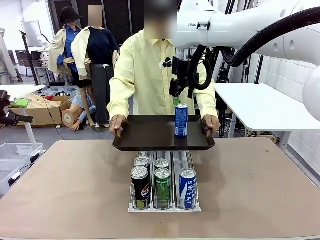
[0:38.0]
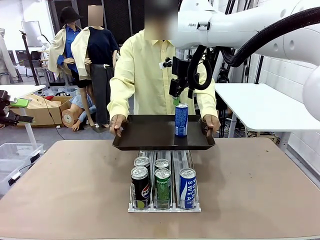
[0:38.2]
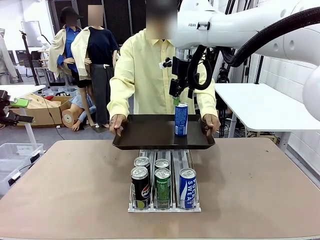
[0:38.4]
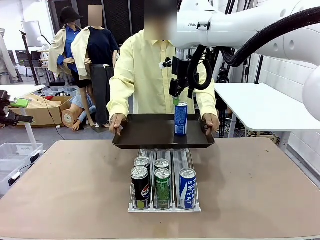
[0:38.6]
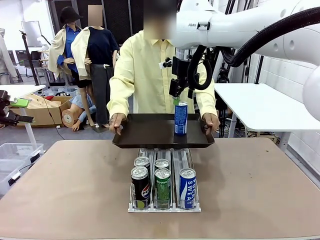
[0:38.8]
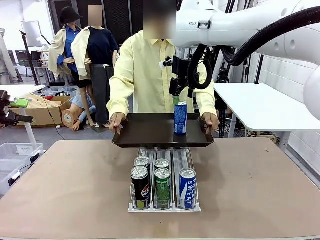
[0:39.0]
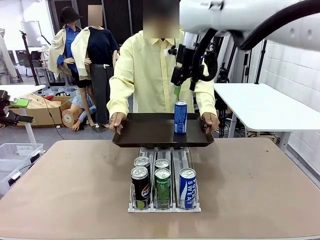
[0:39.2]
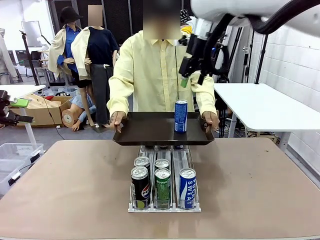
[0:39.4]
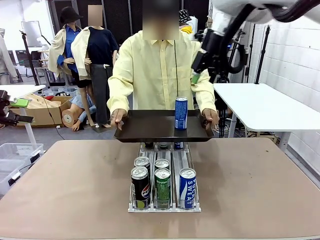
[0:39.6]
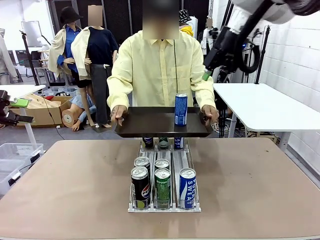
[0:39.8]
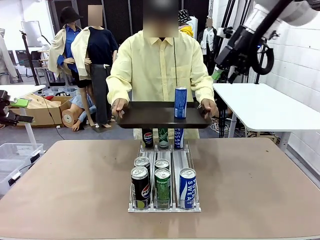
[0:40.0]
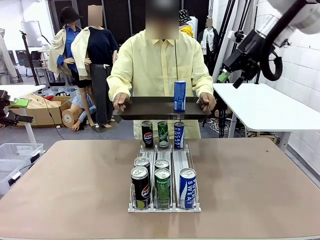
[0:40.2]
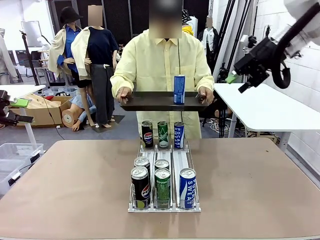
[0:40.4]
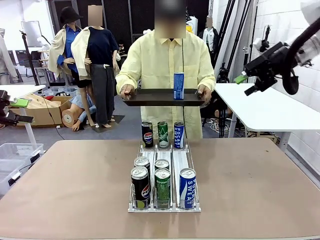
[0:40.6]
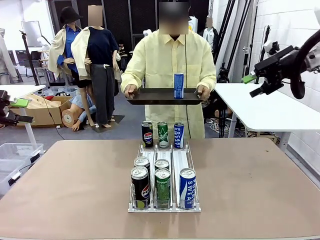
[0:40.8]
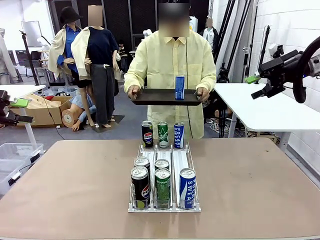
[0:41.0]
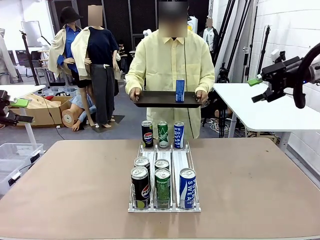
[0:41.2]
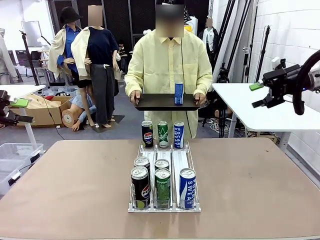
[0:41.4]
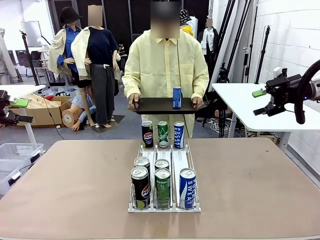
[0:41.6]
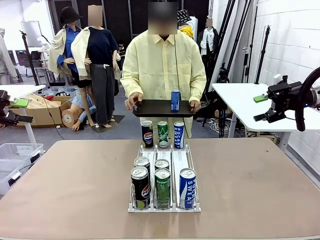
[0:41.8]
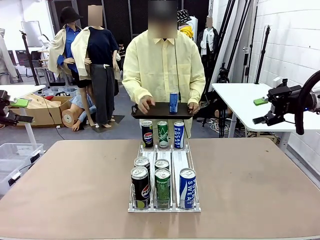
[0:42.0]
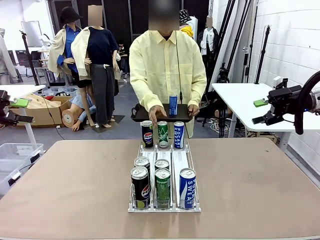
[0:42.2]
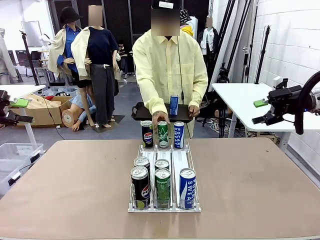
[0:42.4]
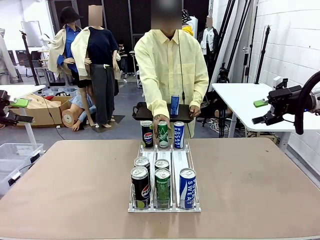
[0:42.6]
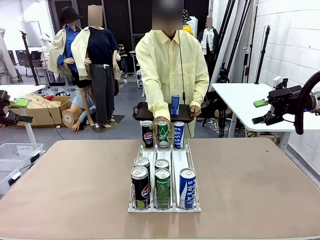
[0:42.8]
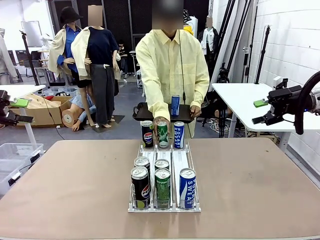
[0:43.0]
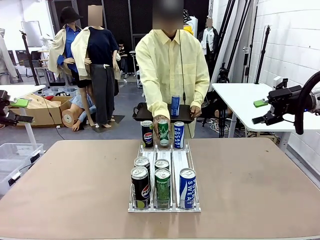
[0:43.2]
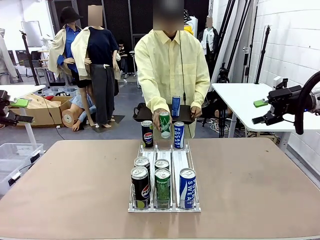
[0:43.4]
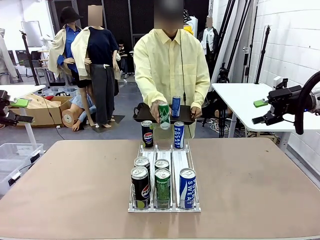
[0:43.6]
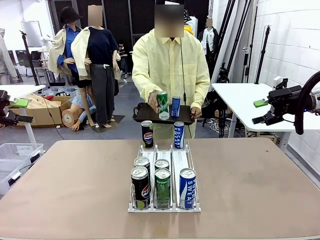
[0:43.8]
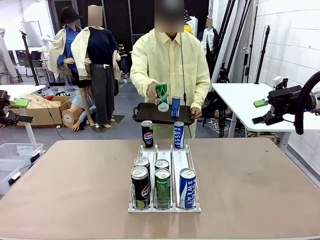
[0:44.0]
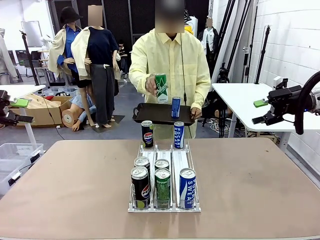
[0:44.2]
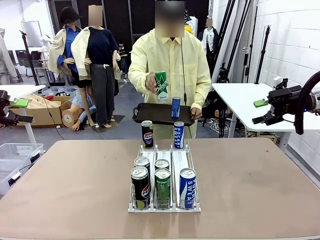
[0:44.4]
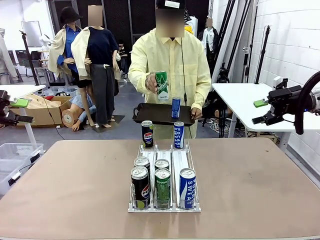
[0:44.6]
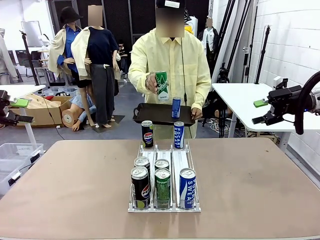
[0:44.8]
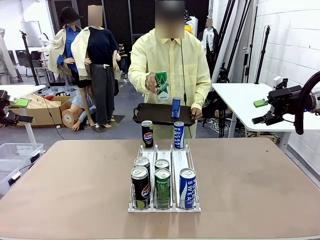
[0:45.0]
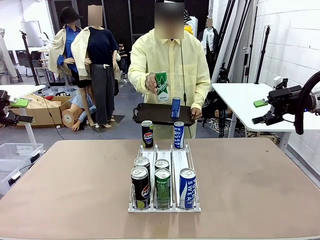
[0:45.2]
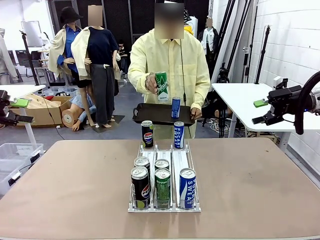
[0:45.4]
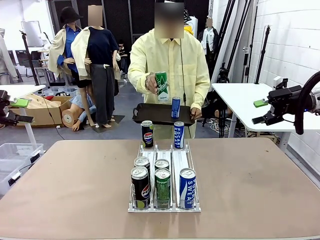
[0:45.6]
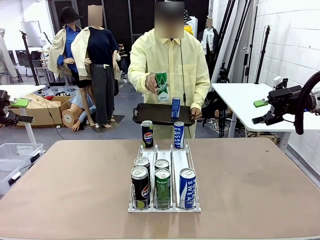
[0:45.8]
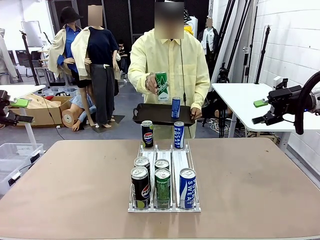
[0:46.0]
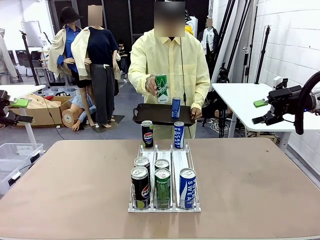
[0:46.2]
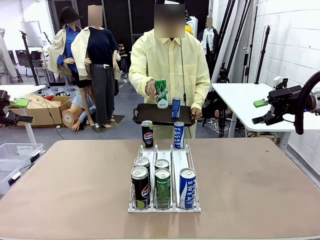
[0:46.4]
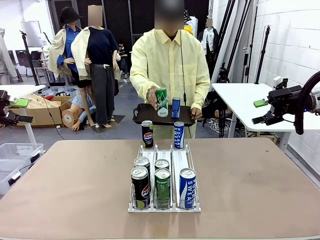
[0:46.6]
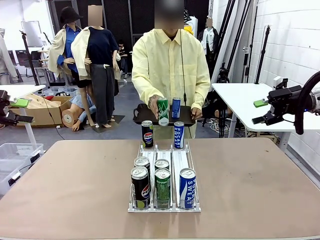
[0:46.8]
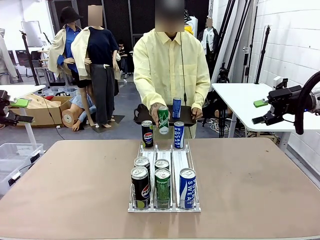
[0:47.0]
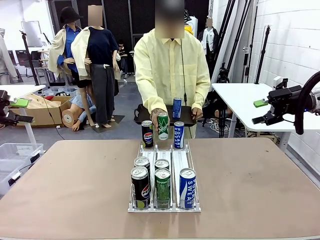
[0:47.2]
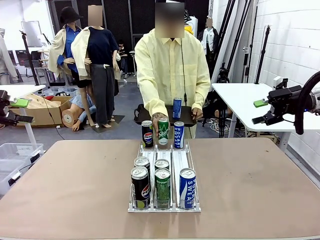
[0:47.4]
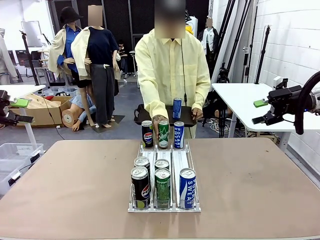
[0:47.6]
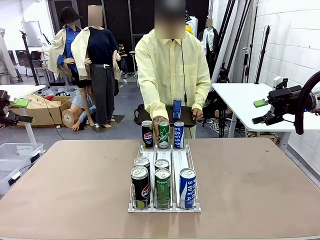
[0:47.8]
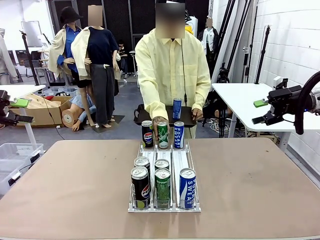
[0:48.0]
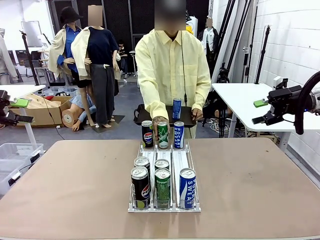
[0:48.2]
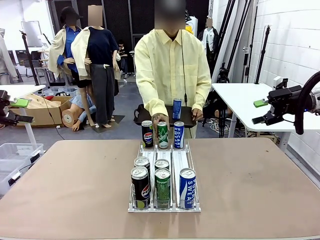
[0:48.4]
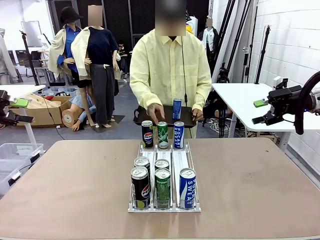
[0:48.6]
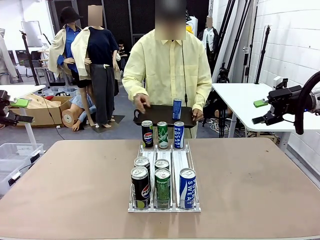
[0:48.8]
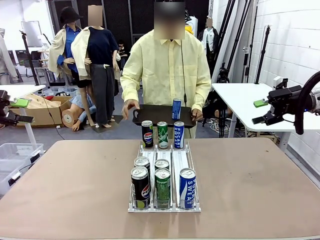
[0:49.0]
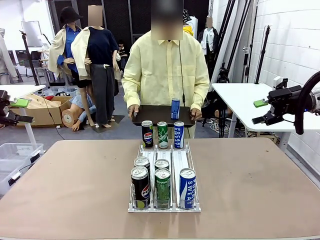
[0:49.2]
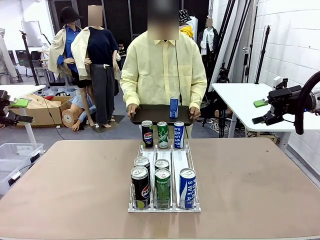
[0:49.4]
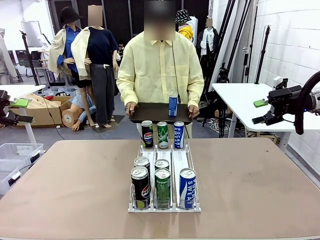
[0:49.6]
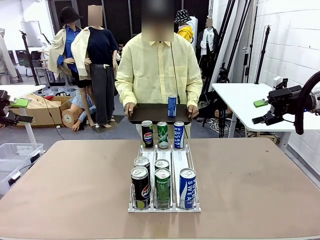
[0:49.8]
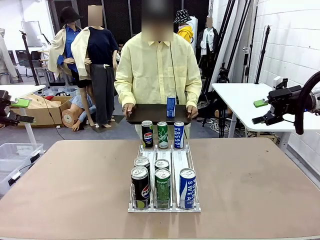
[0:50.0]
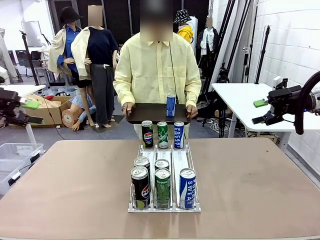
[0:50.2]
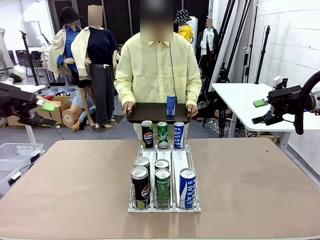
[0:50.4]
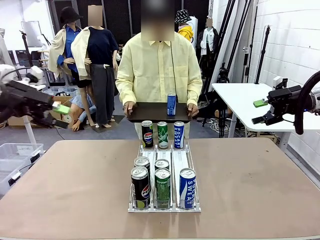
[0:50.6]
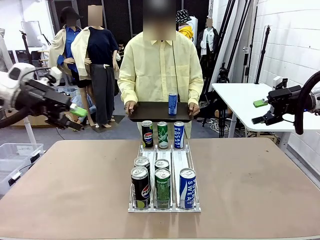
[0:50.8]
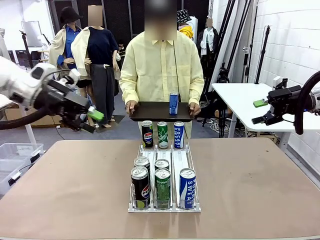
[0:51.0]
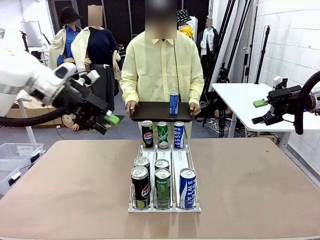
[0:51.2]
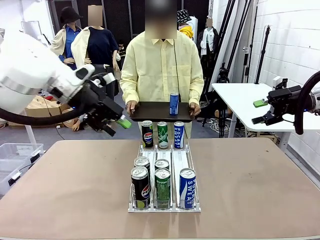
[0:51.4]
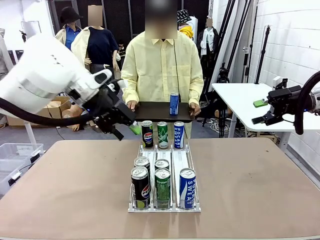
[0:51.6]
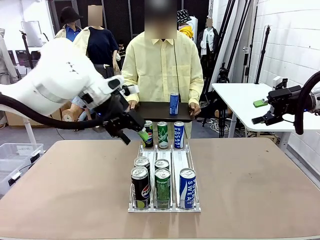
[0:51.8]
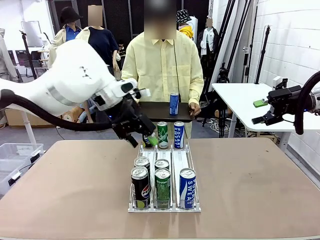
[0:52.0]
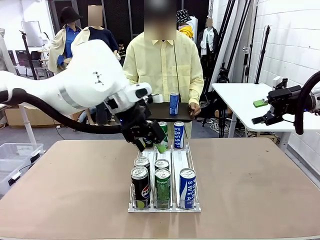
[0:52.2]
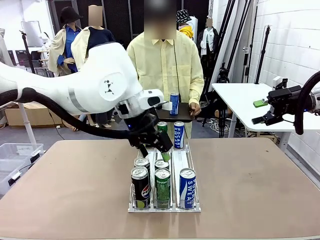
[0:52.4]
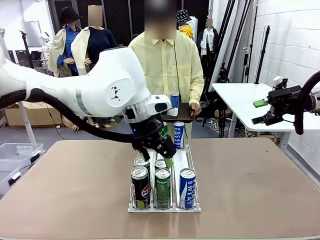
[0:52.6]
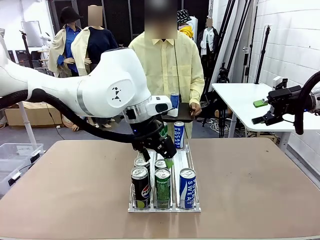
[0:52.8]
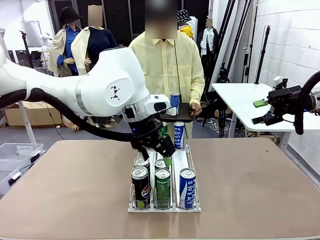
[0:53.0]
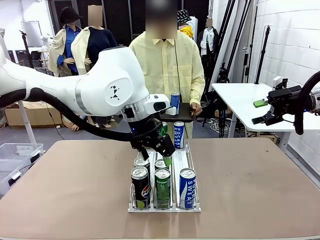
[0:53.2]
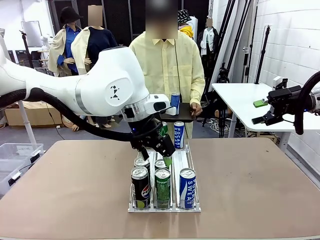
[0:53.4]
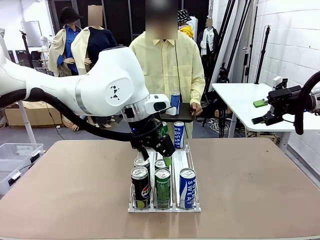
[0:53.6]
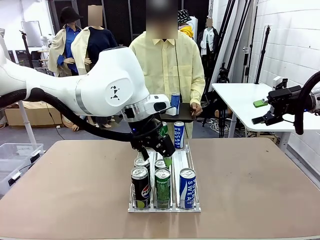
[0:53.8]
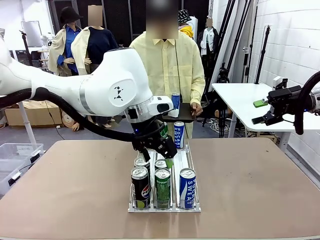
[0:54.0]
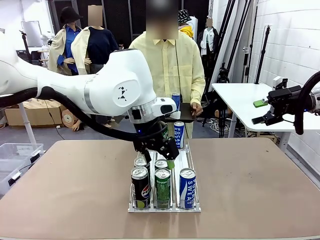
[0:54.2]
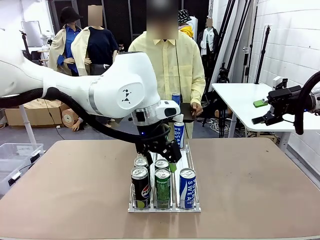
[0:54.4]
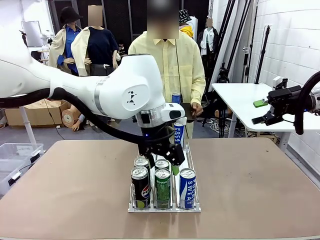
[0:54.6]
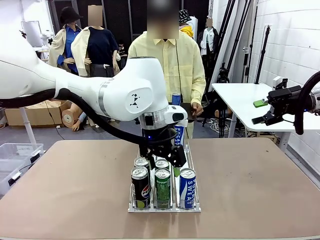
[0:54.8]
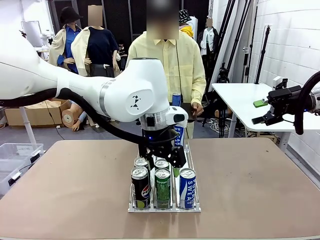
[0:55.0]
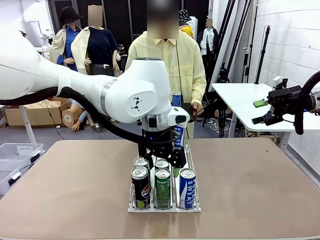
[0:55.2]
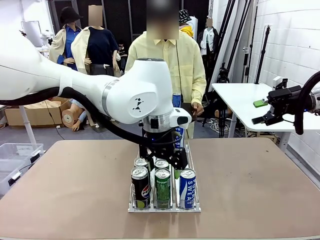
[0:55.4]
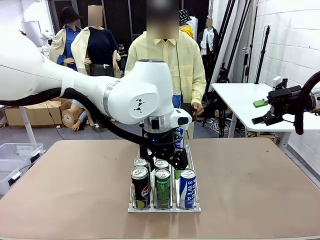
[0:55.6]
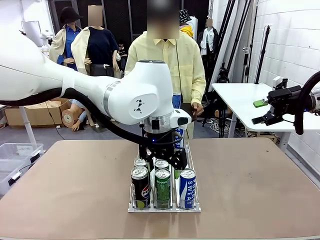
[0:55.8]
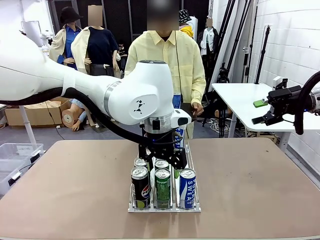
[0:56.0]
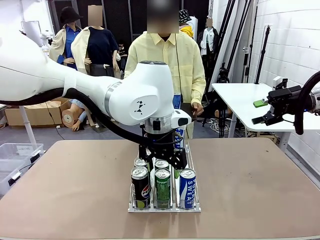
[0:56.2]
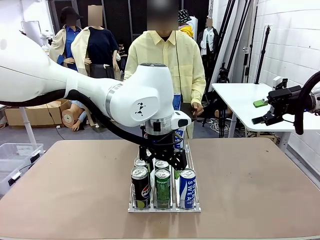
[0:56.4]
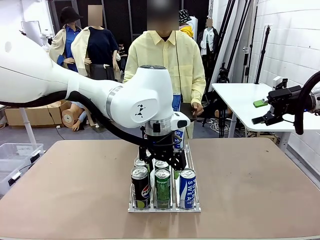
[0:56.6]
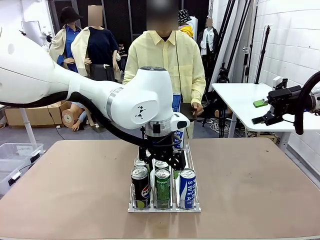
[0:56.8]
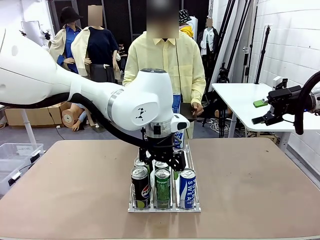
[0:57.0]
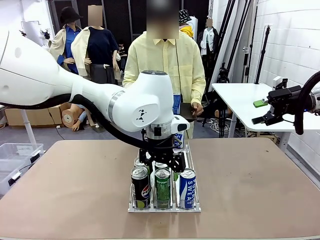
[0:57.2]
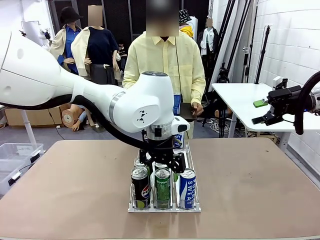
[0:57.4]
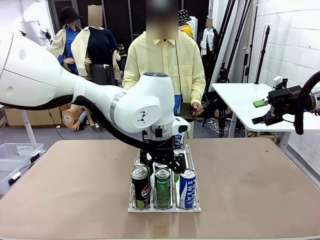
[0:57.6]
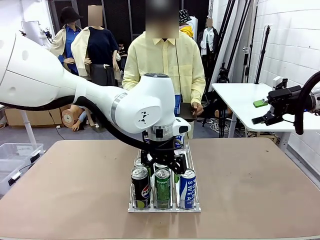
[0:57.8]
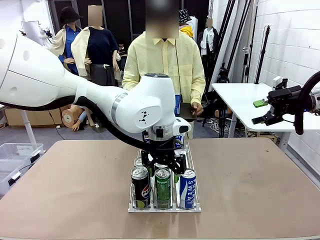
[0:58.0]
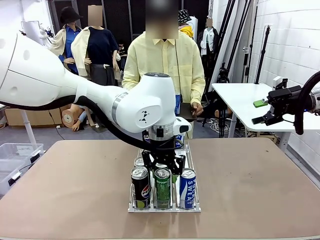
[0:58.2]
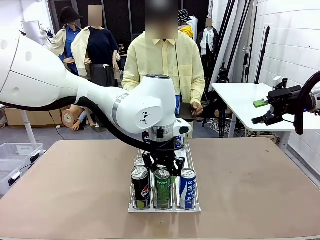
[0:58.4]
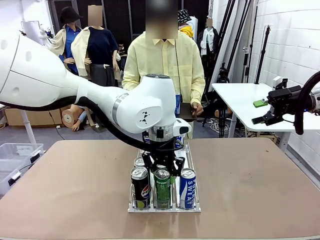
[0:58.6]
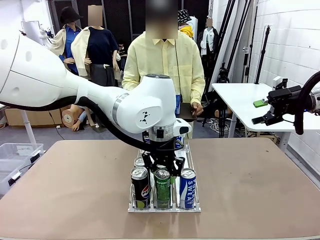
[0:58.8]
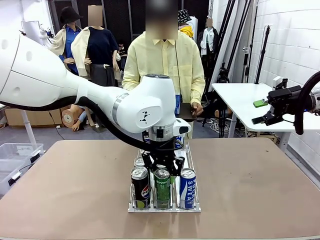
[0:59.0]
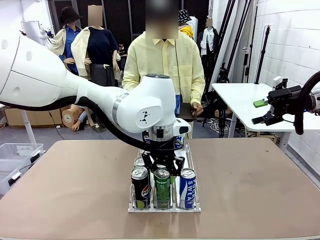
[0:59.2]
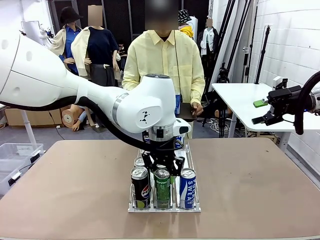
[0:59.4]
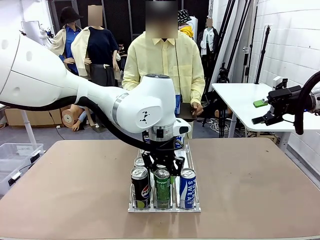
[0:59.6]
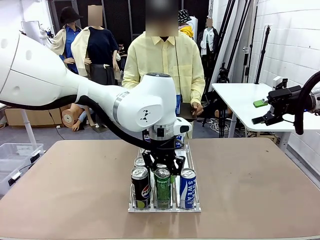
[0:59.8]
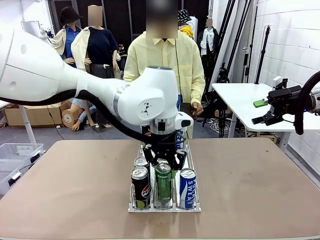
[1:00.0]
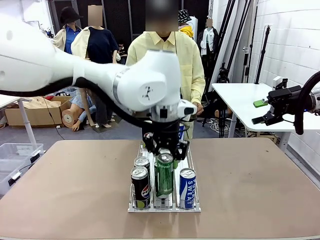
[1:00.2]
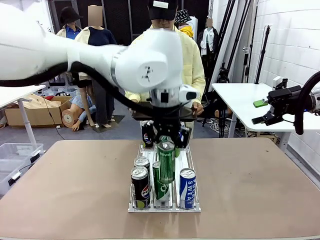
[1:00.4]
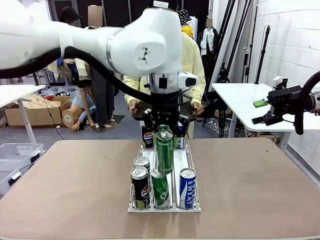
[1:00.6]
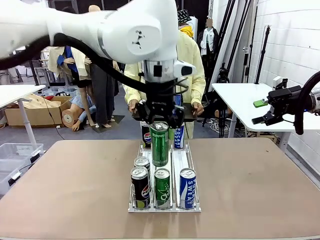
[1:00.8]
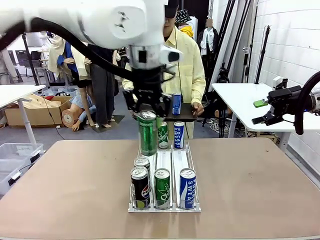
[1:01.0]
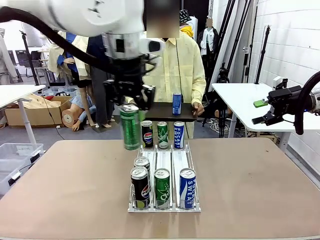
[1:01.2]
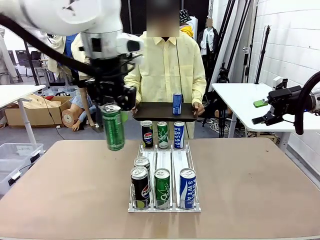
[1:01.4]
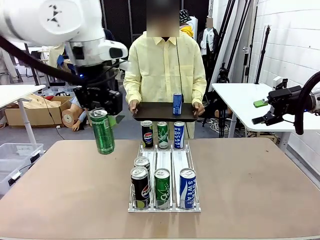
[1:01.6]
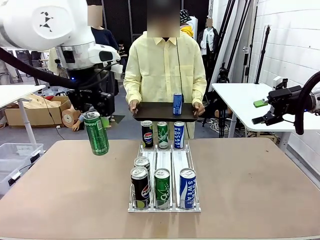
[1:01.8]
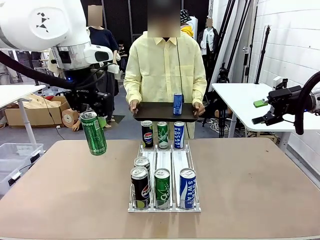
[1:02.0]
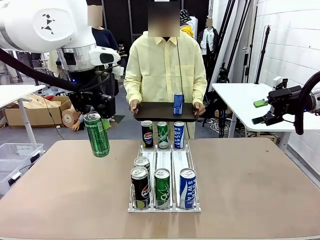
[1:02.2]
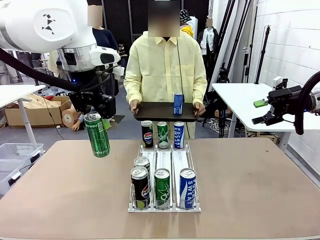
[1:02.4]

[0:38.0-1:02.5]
Task: Retrieve and hand over the desired beverage to the person.
Robot: Pick up another can of the same type that the person held from the Automatic Can Dispenser.
Person: Pull the tray back, then pick up another can from the bottom area of the table and puts it back in its original place. Push the tray toward the robot again.
